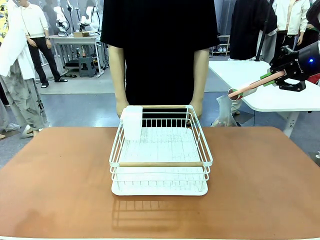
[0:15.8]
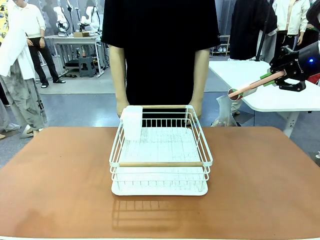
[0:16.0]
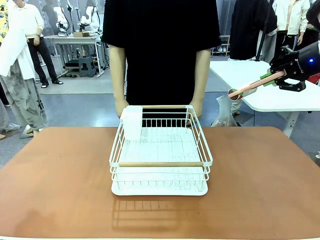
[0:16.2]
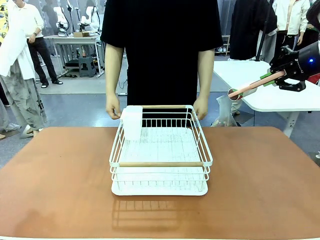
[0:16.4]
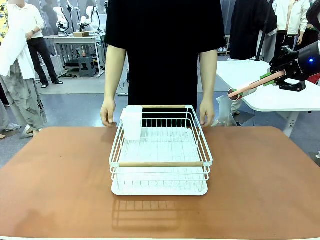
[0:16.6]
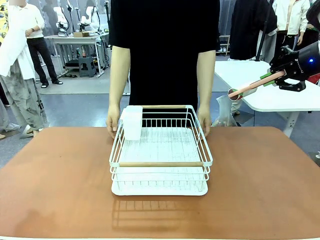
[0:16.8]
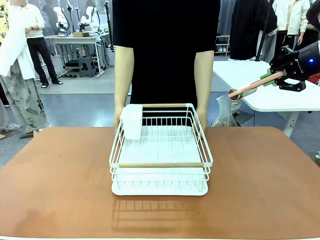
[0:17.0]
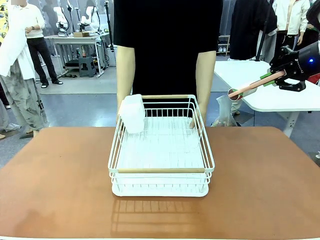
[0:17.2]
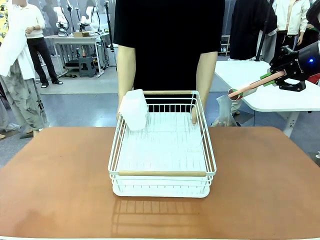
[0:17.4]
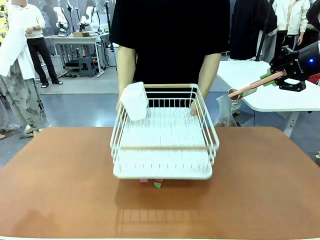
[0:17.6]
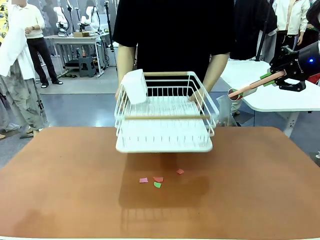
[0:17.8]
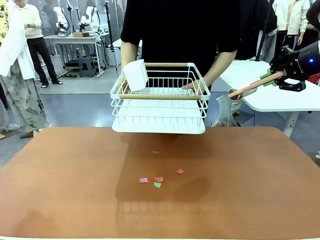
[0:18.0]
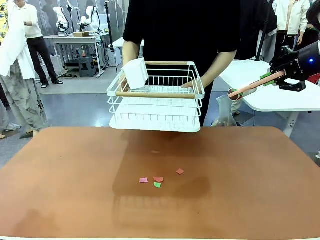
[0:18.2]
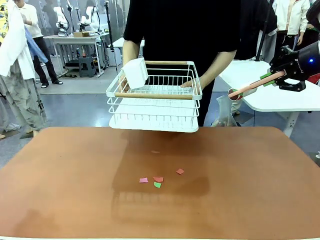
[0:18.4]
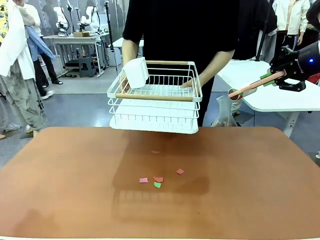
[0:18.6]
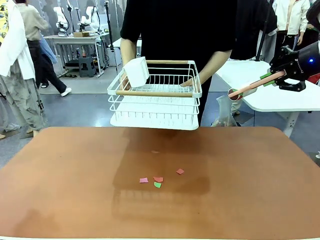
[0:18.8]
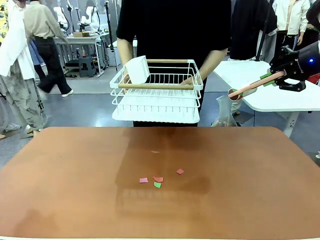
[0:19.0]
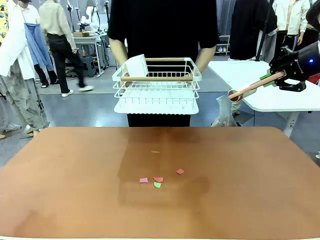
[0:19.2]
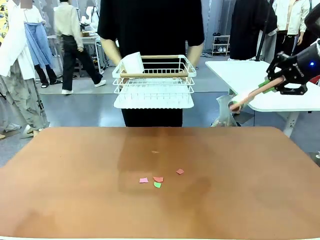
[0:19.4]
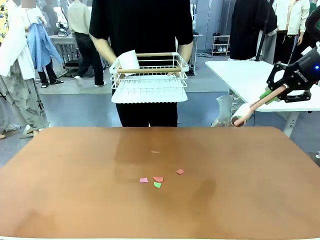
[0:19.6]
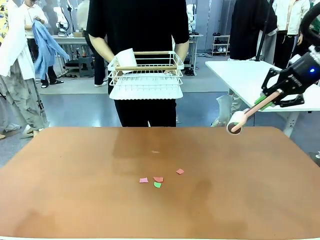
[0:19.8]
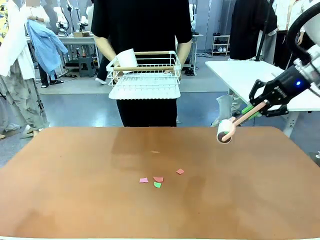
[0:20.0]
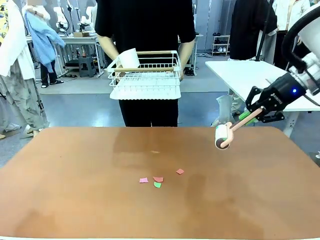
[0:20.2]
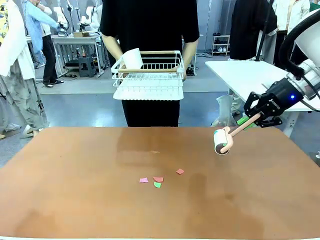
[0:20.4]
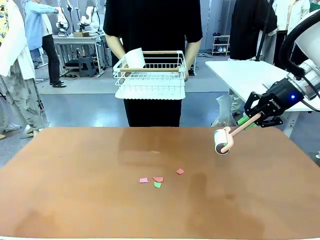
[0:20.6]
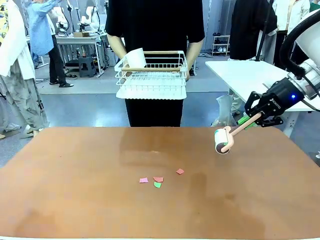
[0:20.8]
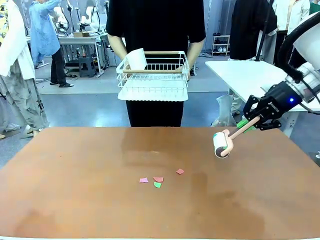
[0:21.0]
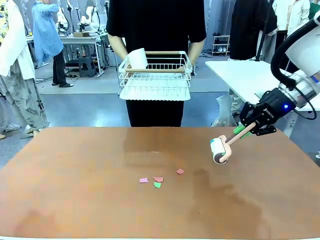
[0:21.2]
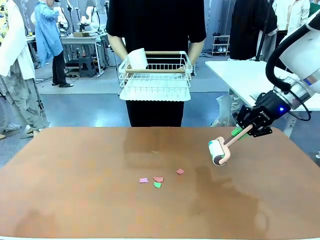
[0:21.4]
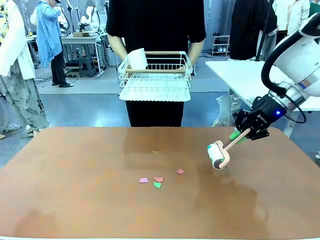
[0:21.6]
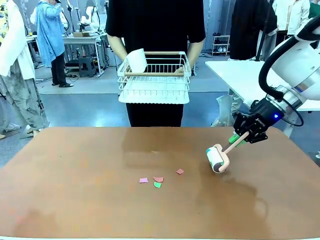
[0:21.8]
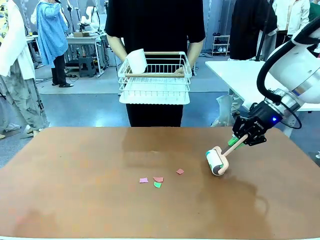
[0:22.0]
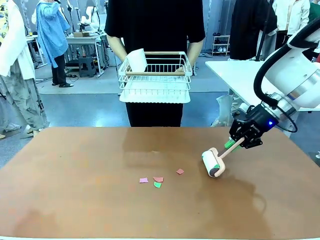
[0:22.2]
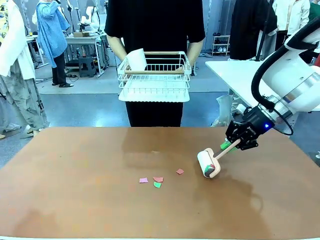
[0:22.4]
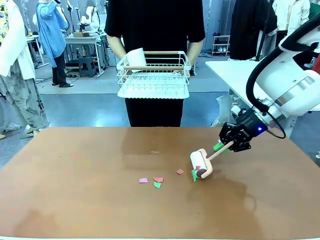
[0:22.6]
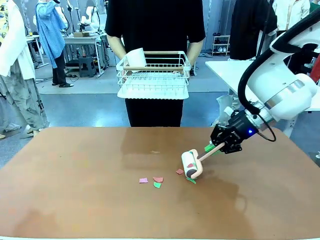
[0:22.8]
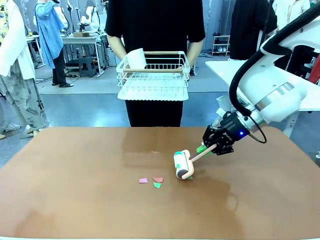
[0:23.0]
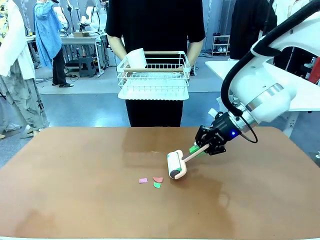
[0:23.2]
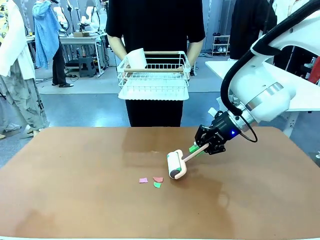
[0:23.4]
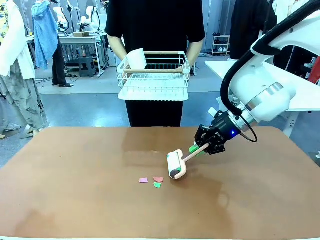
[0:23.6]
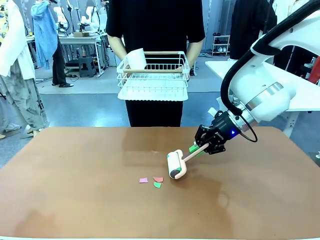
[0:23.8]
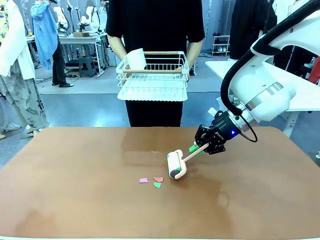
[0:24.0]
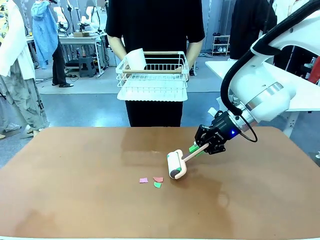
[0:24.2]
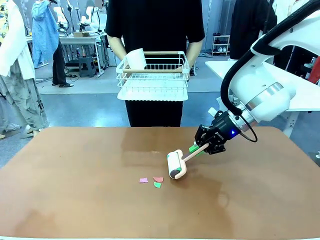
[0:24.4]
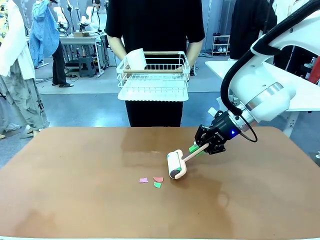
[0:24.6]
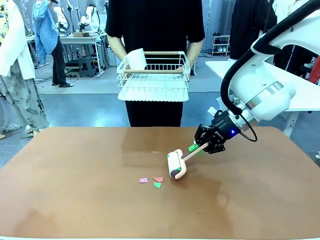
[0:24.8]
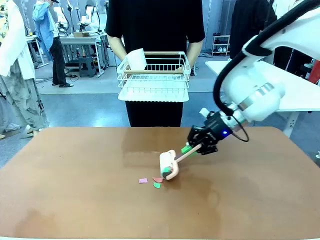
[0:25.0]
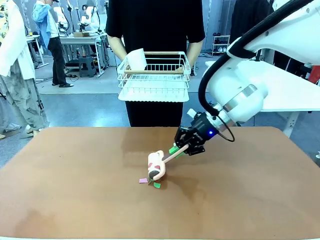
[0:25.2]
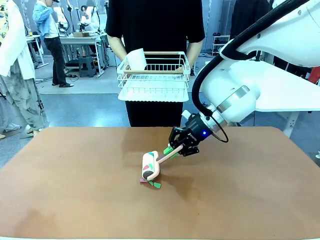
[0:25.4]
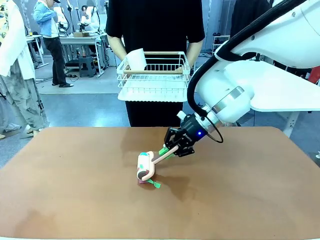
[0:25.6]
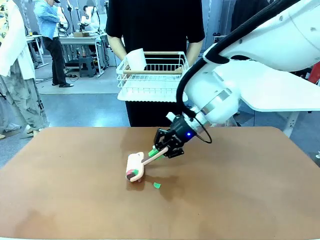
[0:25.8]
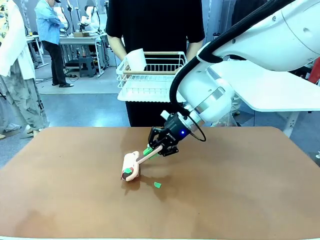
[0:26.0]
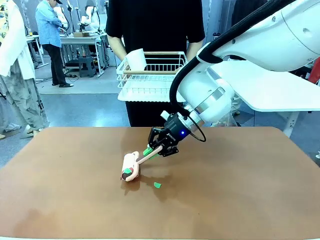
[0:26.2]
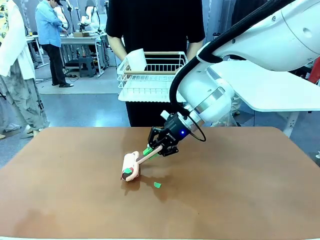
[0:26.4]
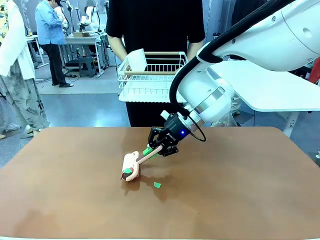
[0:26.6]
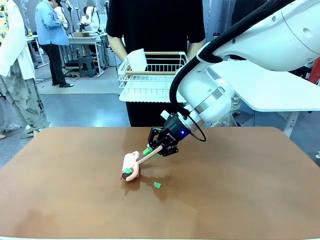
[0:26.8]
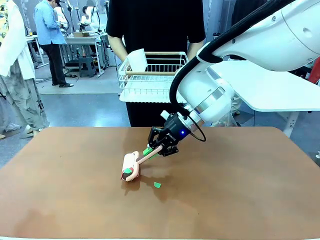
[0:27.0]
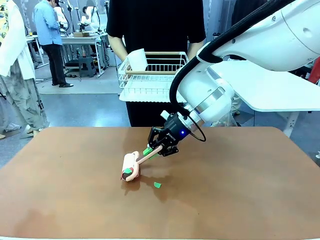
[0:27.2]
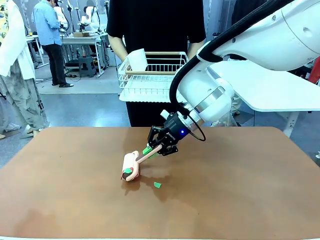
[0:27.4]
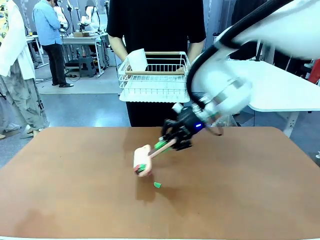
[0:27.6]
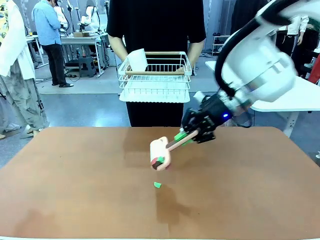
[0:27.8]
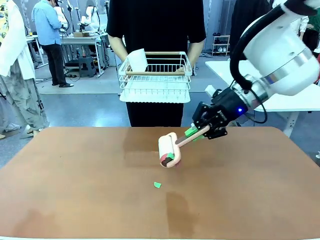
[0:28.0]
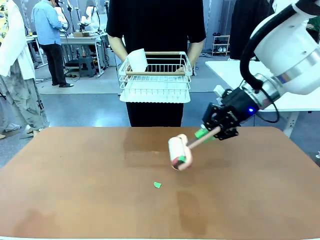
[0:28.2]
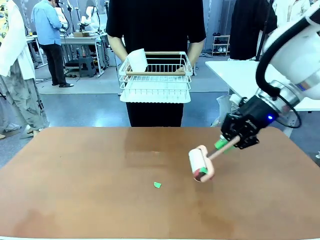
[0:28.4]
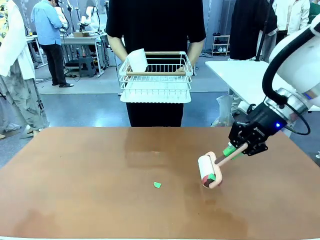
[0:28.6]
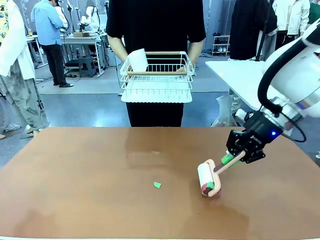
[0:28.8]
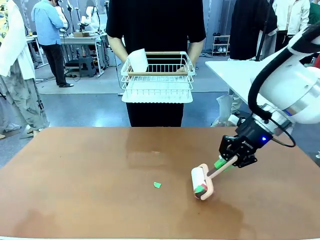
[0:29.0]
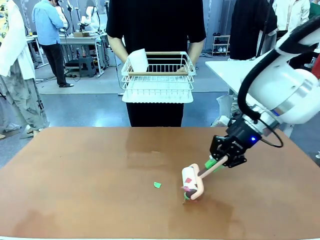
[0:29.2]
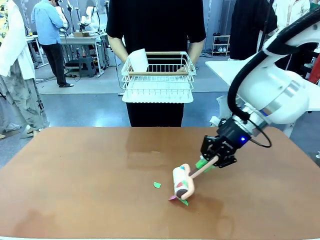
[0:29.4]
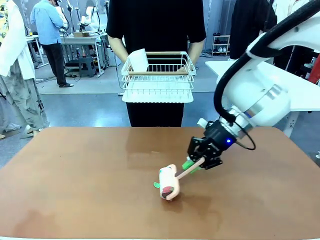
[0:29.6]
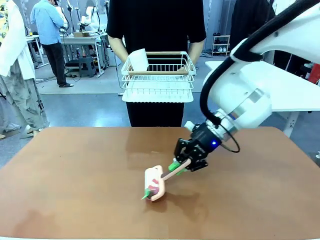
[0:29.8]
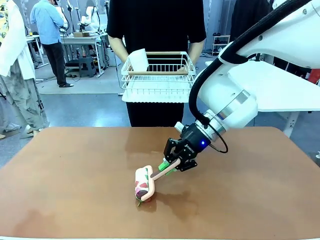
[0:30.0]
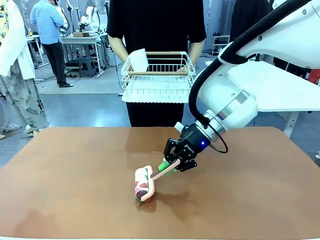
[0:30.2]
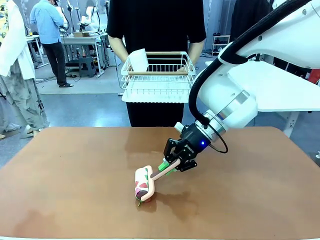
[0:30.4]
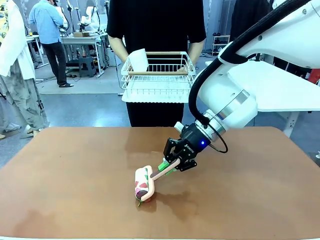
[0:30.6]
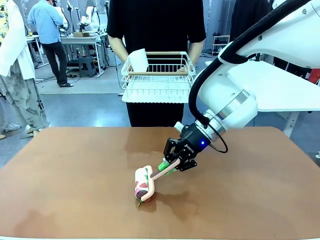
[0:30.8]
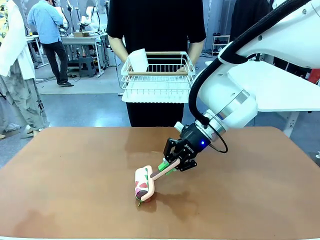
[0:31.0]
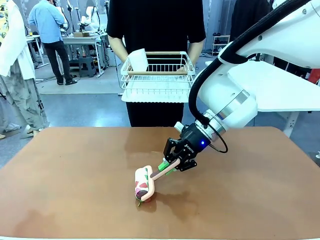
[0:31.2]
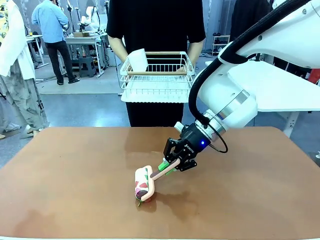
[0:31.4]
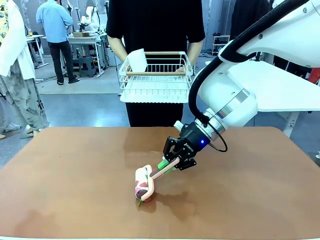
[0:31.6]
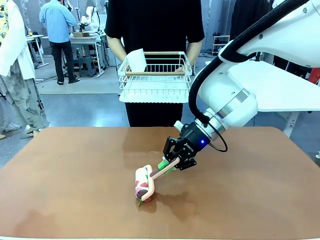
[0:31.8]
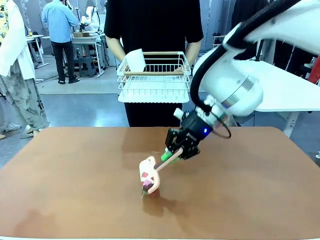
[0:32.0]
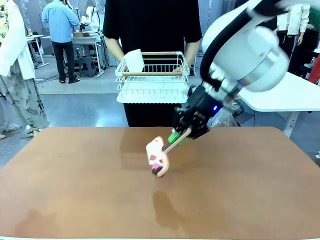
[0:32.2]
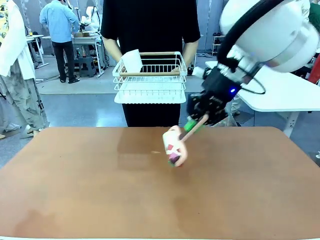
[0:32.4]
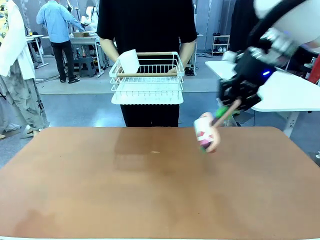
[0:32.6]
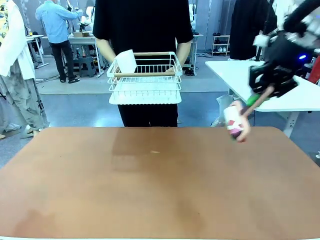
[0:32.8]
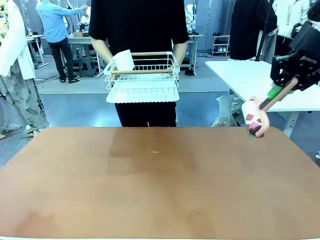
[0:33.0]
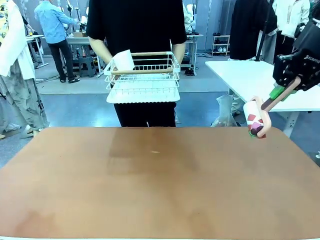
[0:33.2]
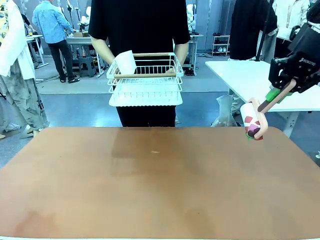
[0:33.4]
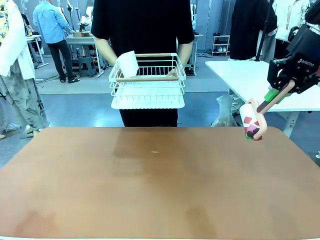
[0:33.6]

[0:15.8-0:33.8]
Task: Clean the table.
Robot: Clean the table with the Lint Roller when the human lifts the Dish drying rack.
Person: Place the Dish drying rack down when the robot finishes cleaning.
